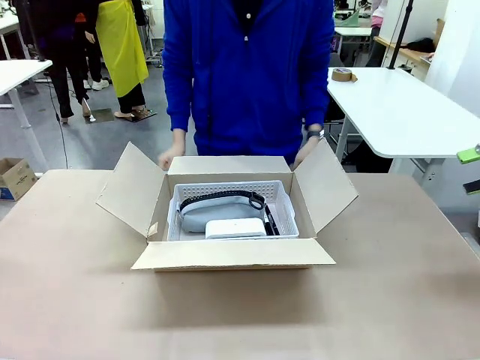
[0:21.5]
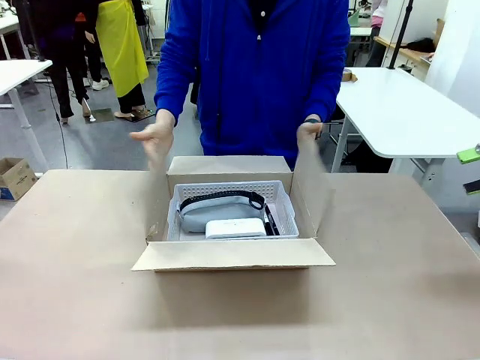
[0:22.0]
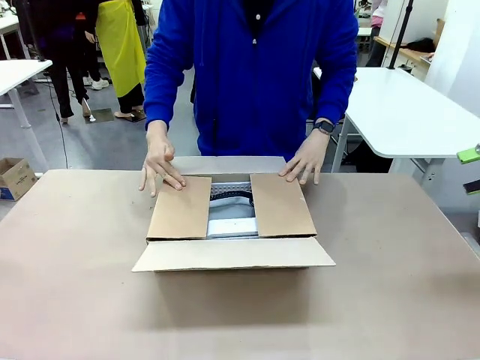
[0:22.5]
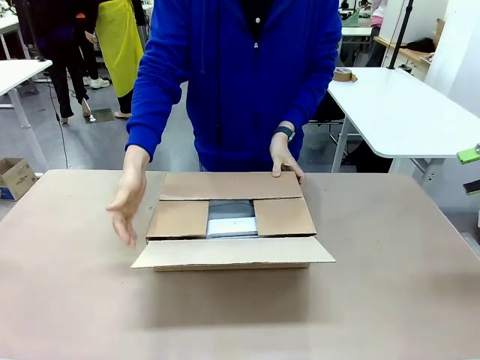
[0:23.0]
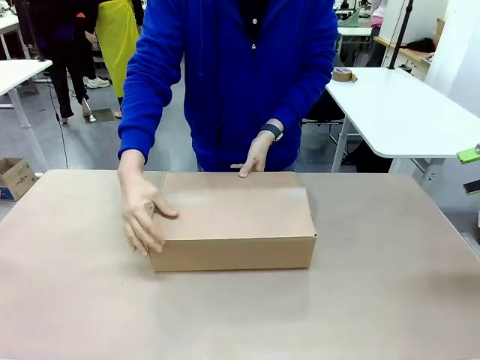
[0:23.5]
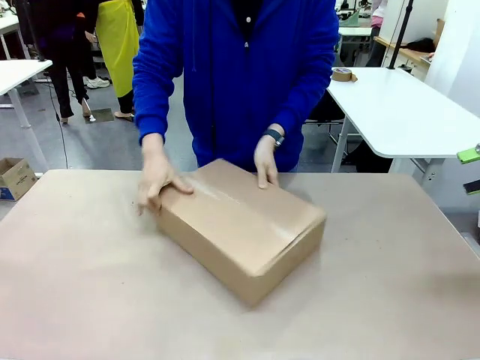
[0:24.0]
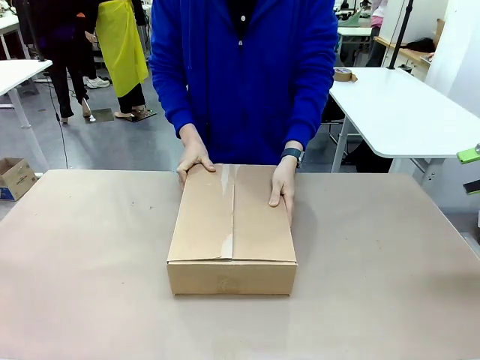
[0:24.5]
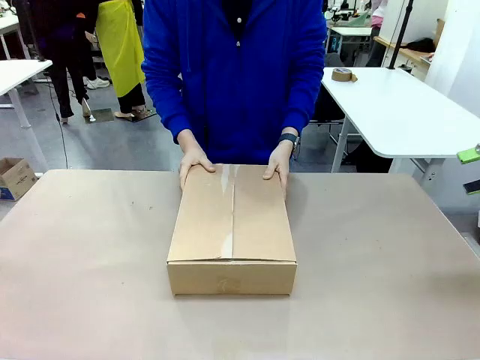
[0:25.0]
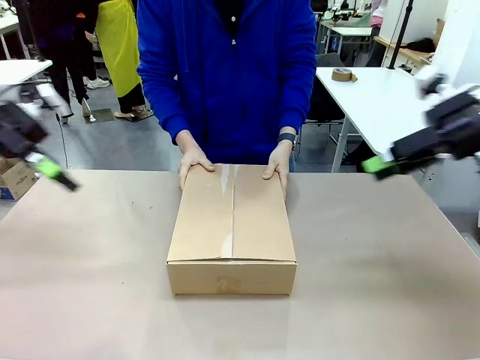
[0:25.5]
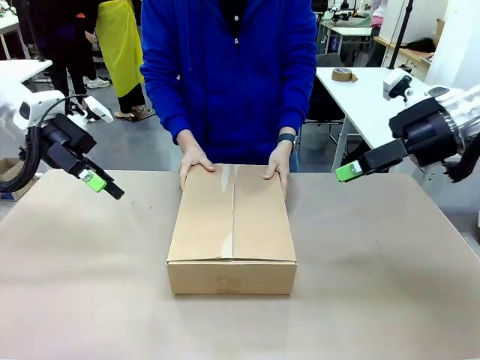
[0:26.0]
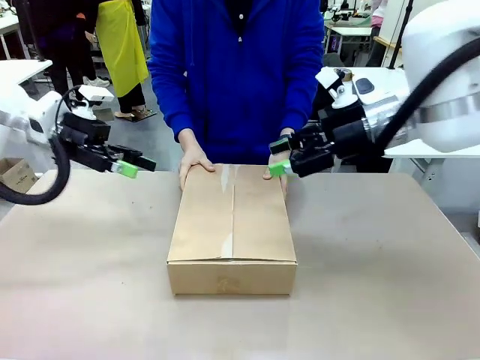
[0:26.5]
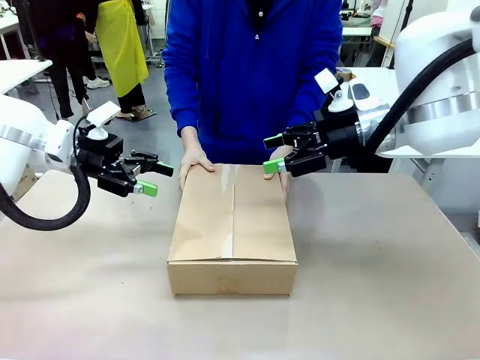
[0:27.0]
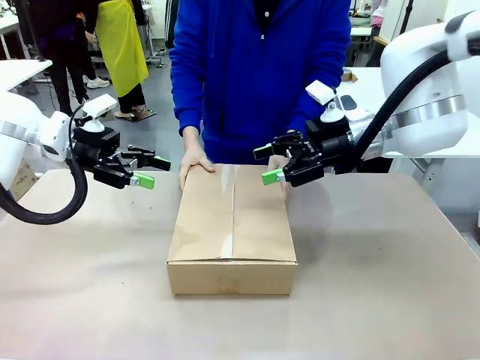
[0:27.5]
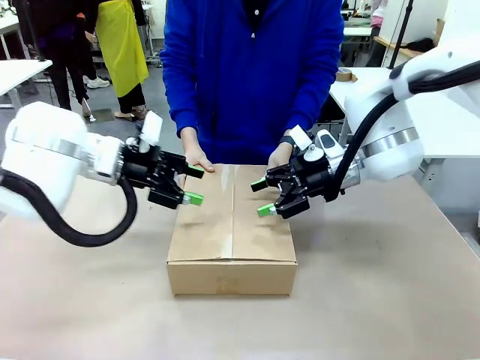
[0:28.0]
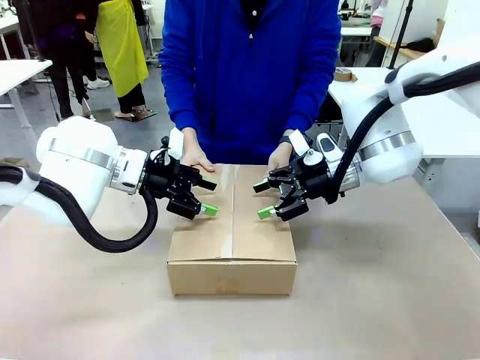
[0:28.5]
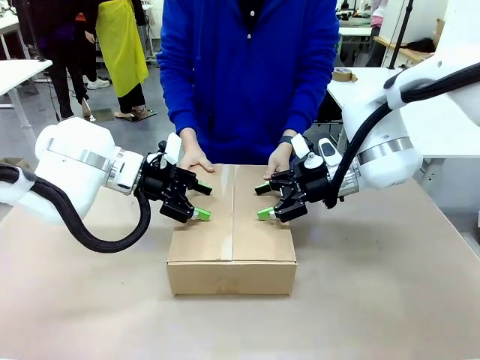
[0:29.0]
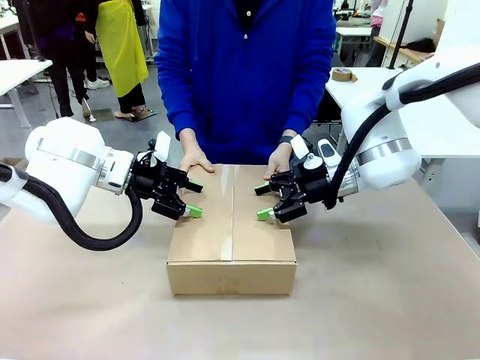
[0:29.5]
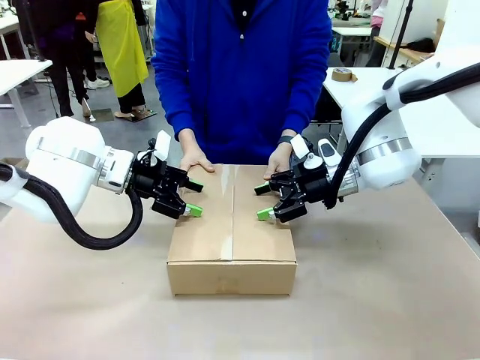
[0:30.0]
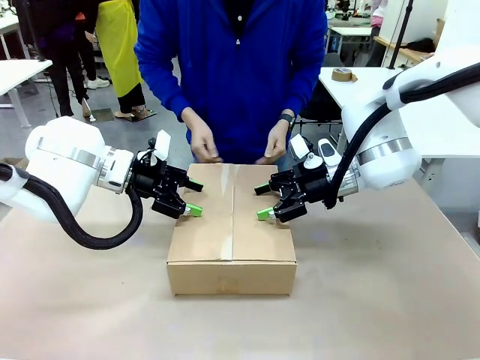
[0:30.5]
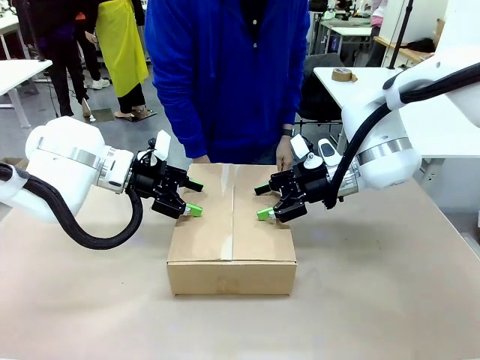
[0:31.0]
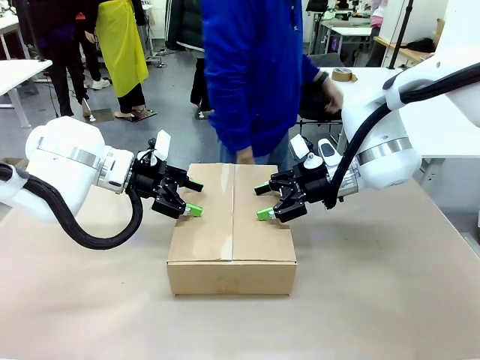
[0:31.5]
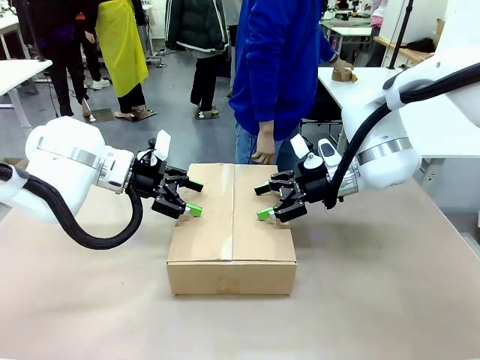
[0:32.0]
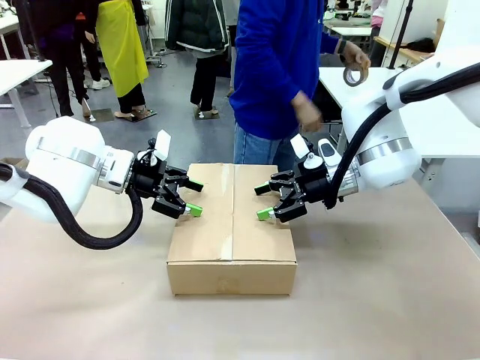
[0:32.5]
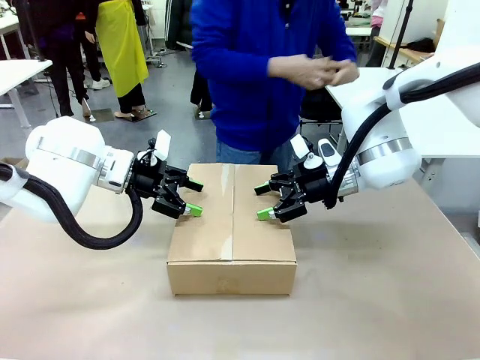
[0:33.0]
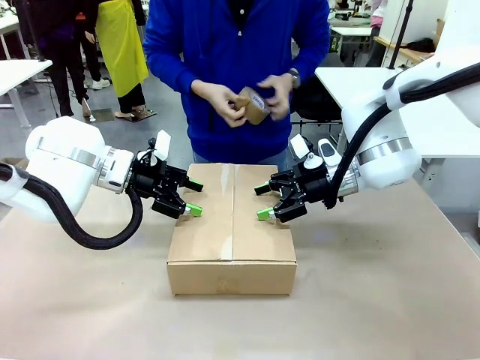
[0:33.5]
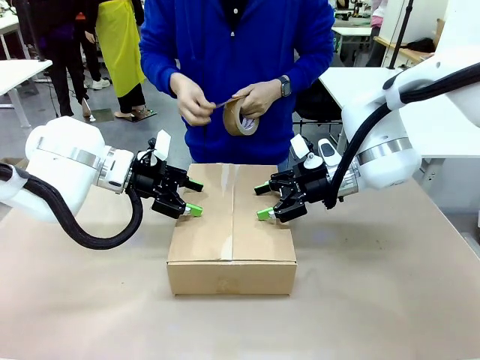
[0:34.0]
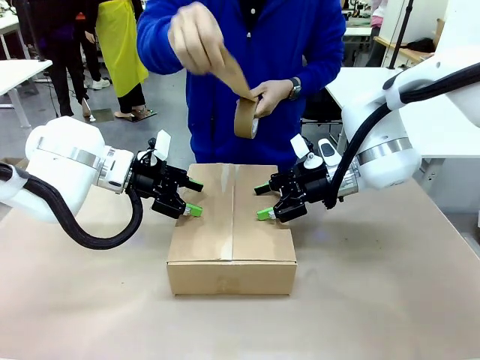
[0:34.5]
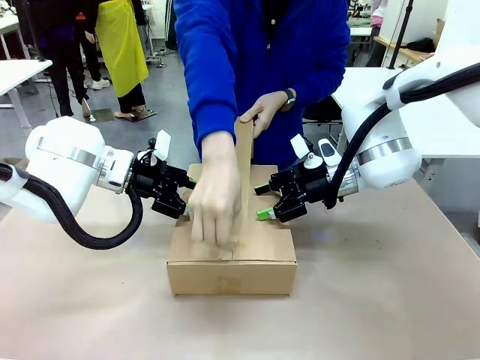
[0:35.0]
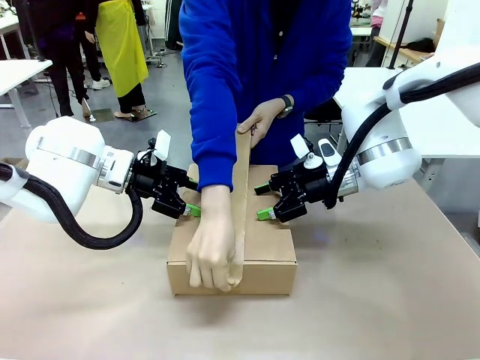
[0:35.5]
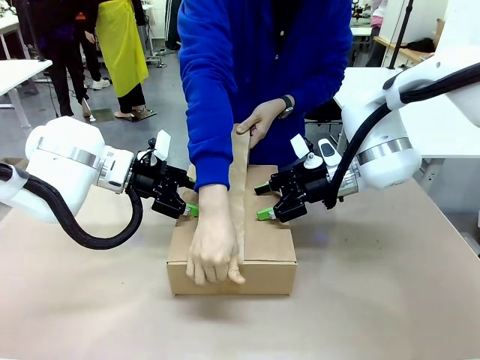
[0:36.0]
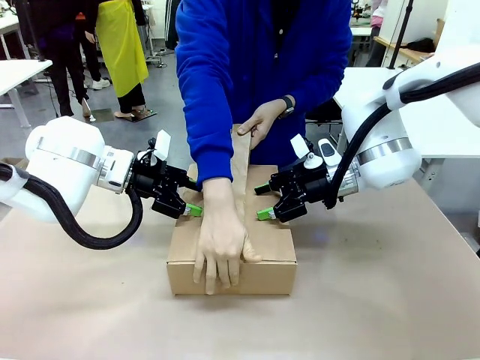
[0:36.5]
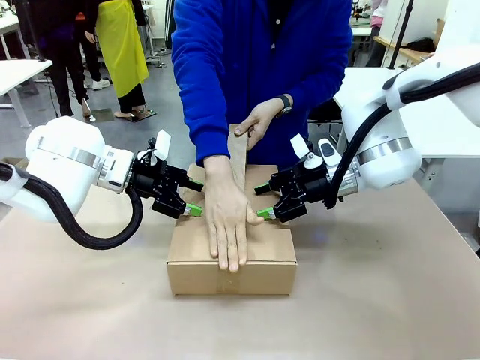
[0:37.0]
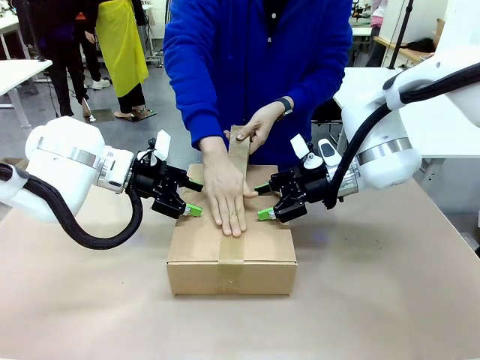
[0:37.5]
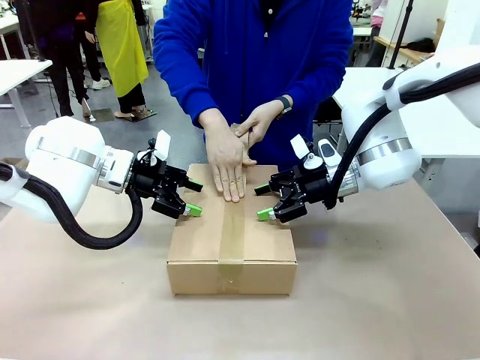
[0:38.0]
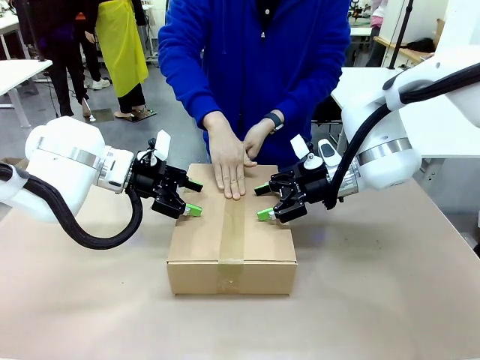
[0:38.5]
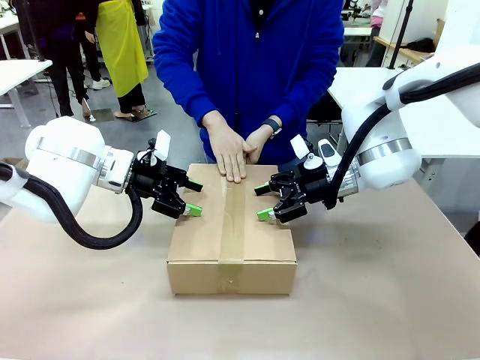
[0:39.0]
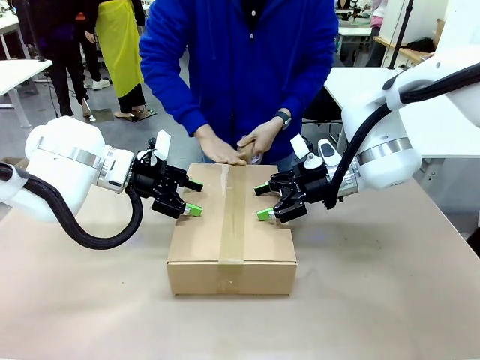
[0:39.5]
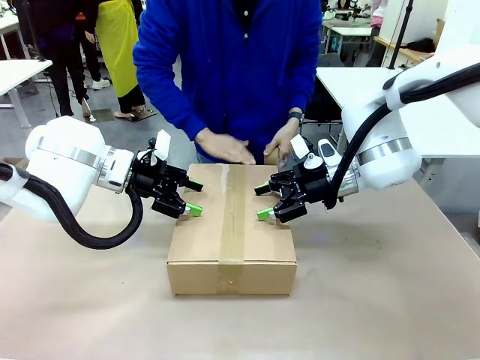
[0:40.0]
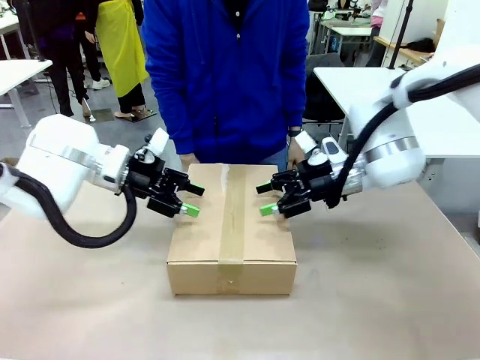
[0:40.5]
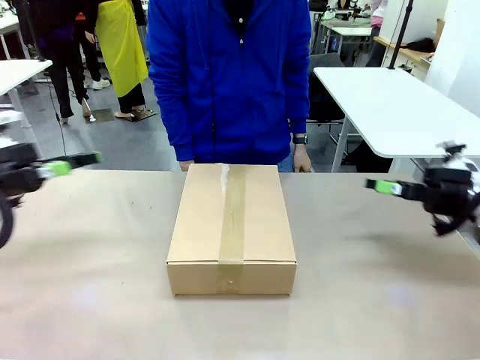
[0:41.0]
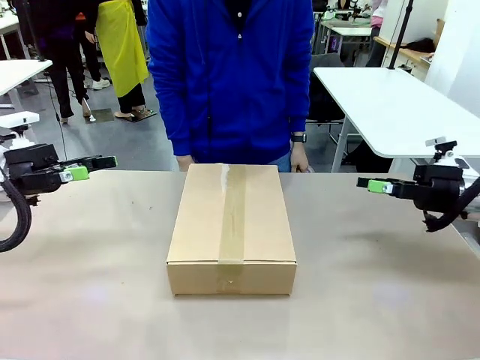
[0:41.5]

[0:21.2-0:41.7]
Task: Pack the gift set into the box.
Robot: Press and hold the closed box until the human finishes sealing it.
Person: The human closes the box and rotates the box by 90 degrees. The human picks up the paper tape from the human table and packs the box.

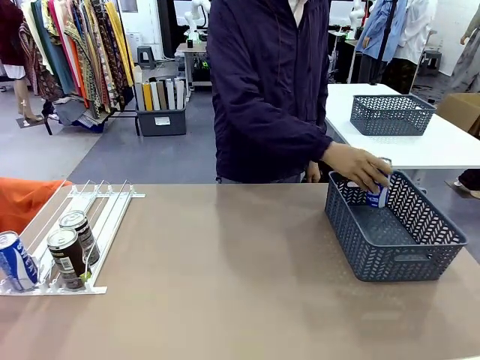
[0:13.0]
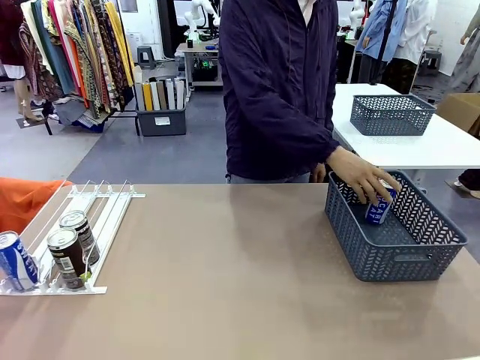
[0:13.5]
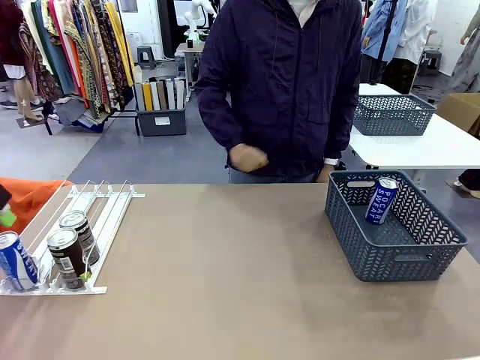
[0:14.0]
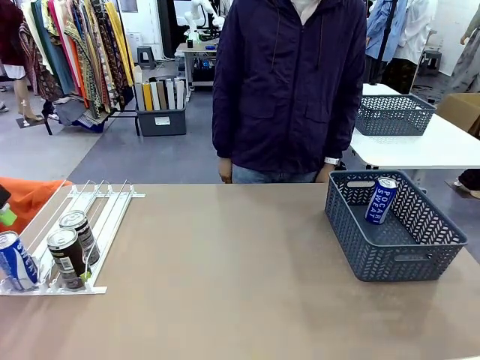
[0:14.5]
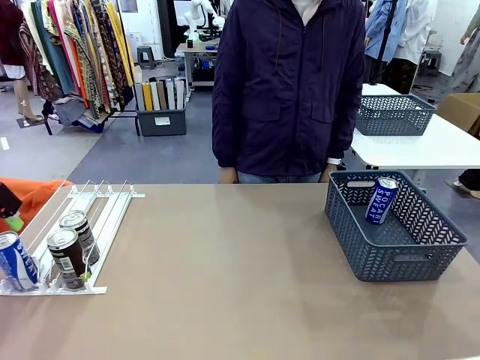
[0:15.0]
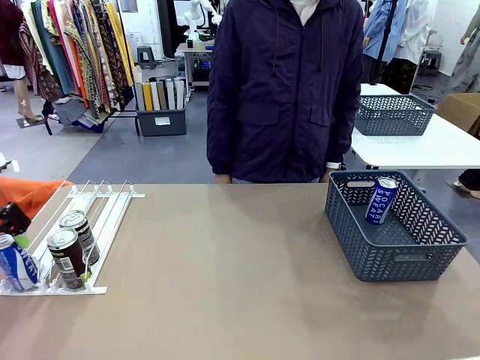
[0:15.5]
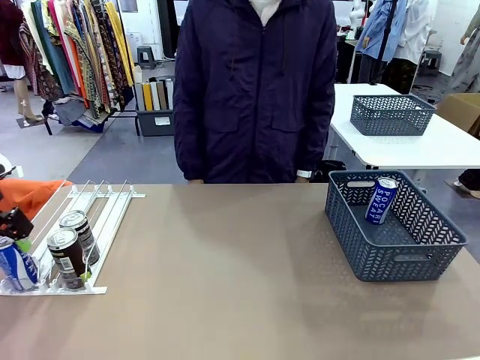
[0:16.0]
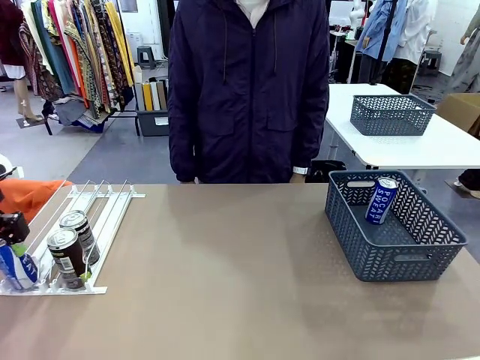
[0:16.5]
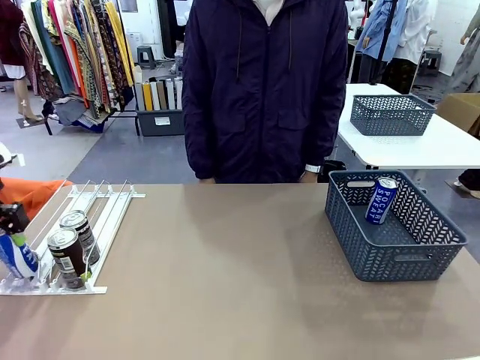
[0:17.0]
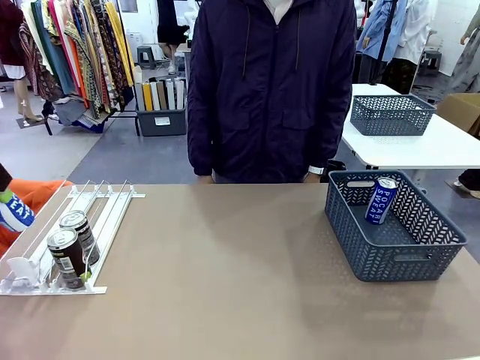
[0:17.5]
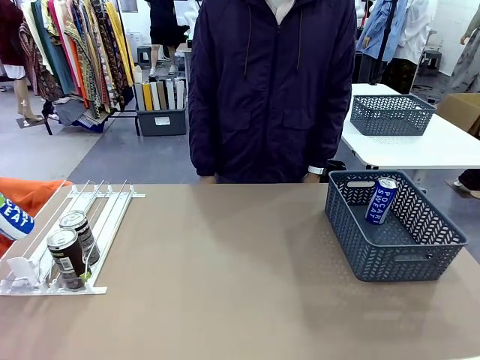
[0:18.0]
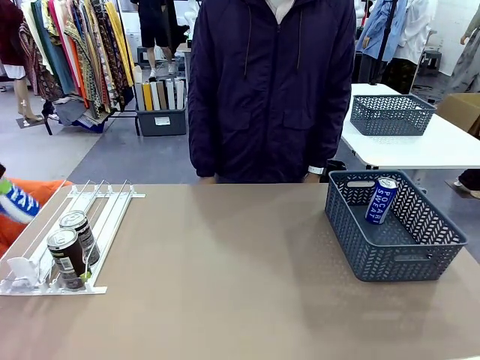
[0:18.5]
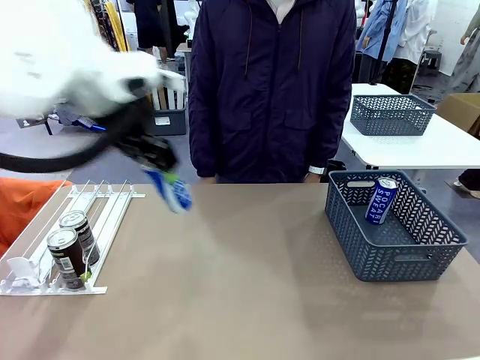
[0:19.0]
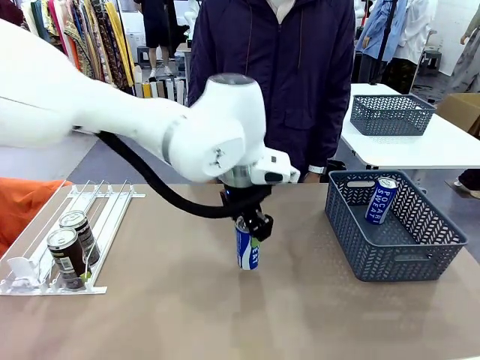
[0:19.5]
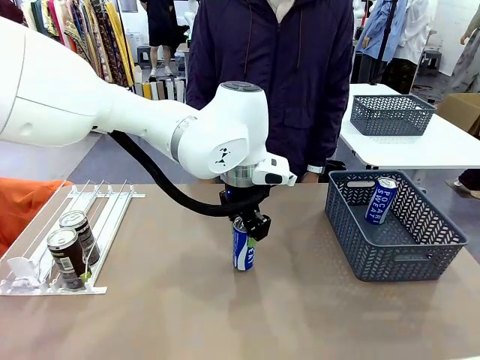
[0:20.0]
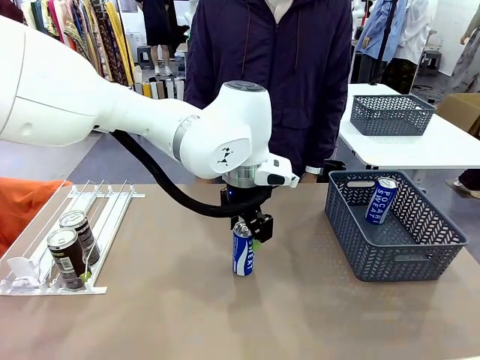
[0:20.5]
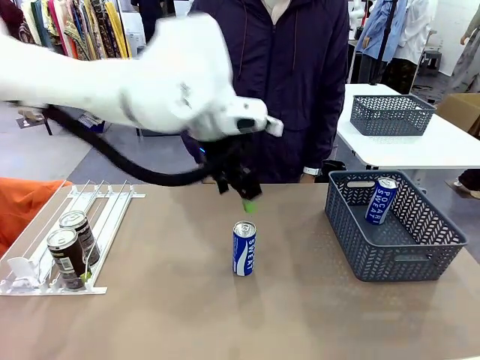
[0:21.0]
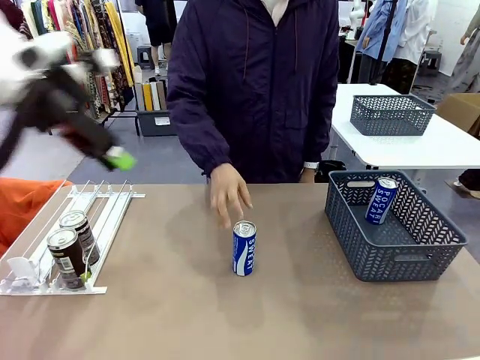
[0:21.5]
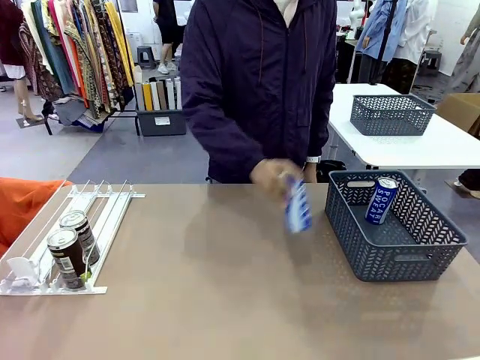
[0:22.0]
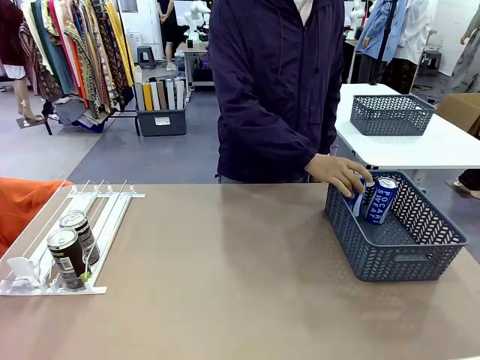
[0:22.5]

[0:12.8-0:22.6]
Task: Retrieve and store the cans from the dispenser.
Robot: Pick up the last remaining can from one row of the Automatic Can Dispenser and place it in the middle of the table.
Person: Pick up one Pepsi can from the middle of the robot table and place it in the basket.
